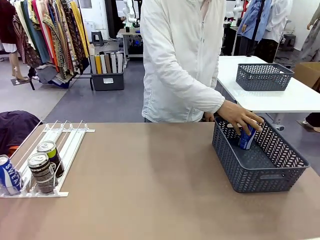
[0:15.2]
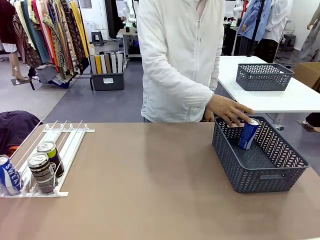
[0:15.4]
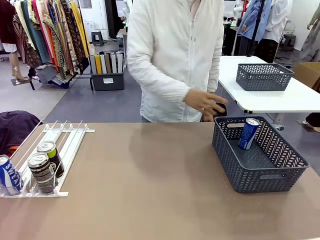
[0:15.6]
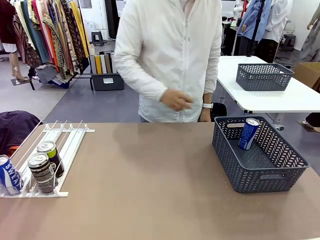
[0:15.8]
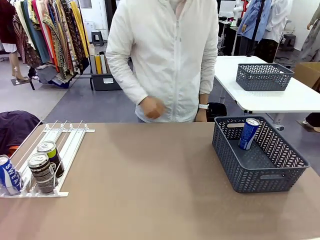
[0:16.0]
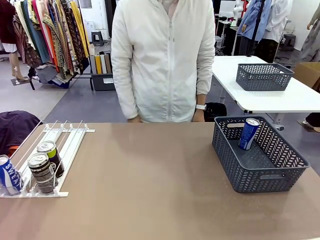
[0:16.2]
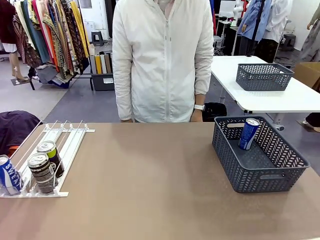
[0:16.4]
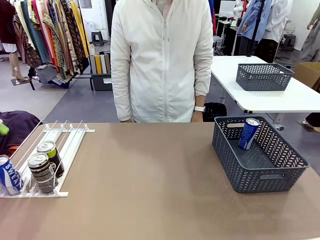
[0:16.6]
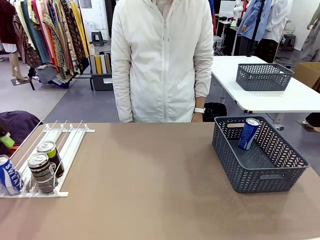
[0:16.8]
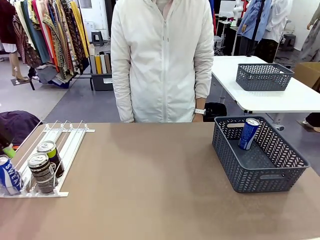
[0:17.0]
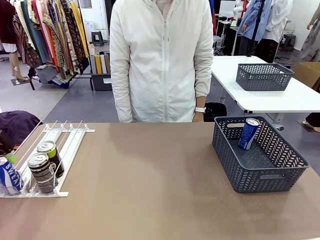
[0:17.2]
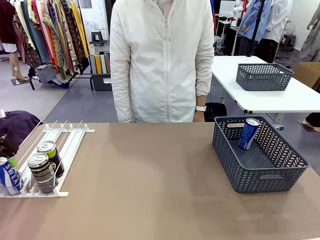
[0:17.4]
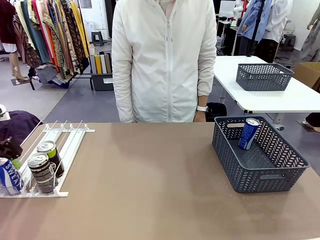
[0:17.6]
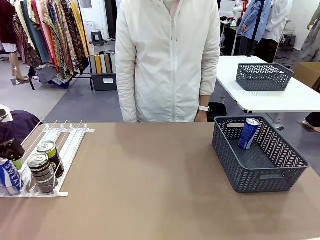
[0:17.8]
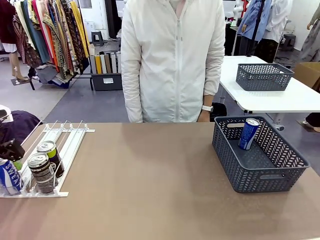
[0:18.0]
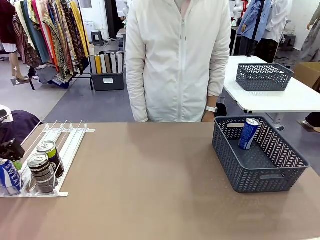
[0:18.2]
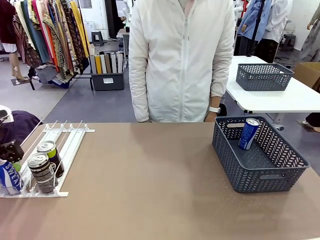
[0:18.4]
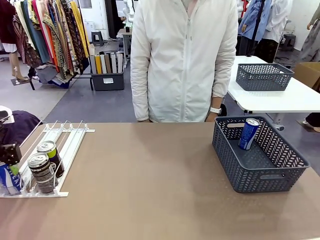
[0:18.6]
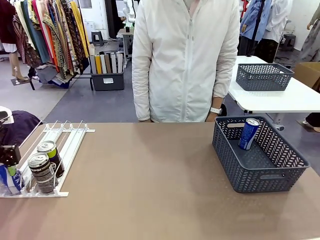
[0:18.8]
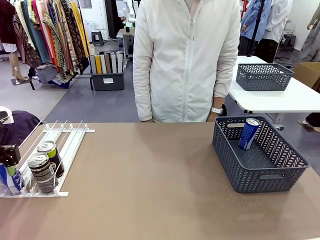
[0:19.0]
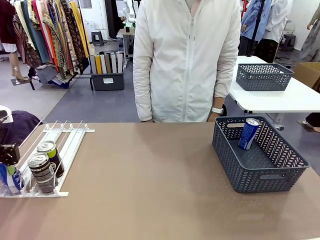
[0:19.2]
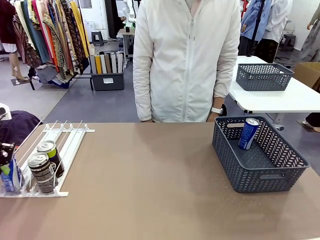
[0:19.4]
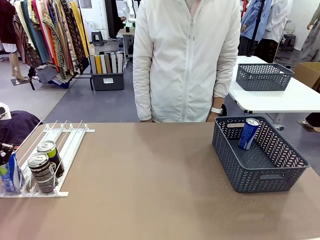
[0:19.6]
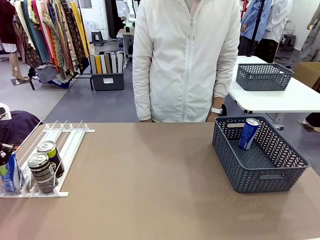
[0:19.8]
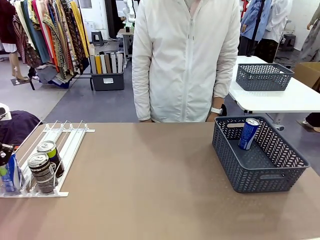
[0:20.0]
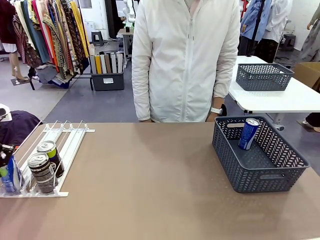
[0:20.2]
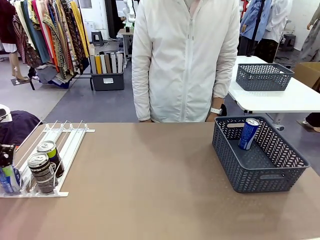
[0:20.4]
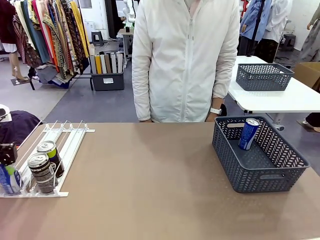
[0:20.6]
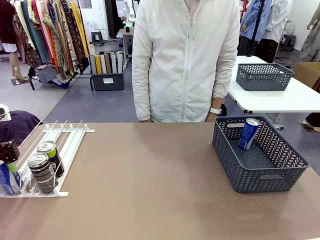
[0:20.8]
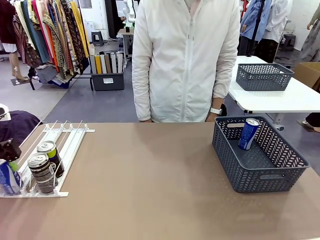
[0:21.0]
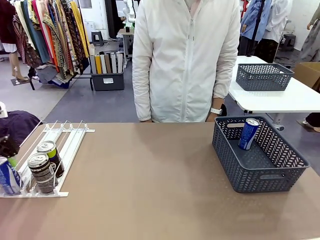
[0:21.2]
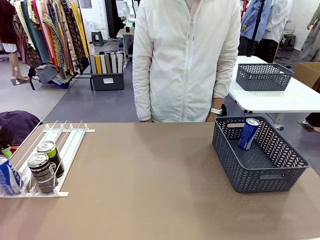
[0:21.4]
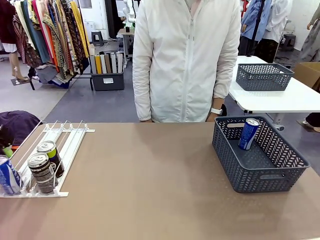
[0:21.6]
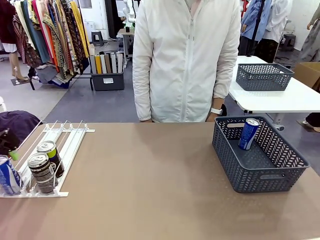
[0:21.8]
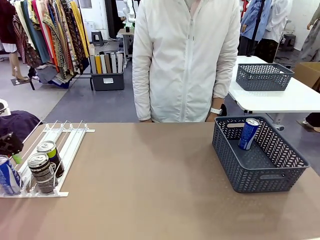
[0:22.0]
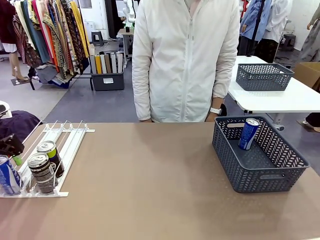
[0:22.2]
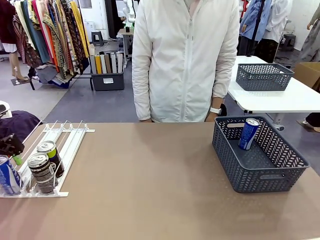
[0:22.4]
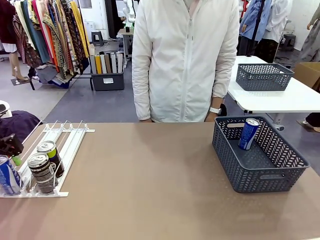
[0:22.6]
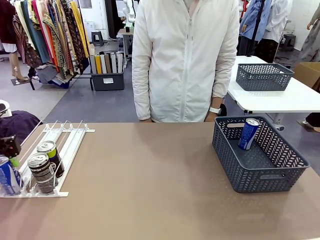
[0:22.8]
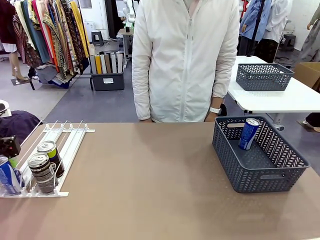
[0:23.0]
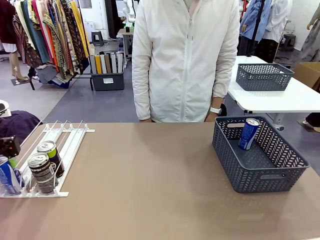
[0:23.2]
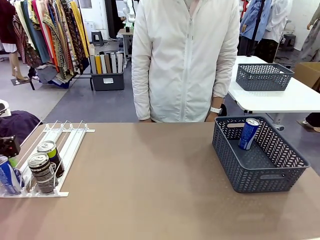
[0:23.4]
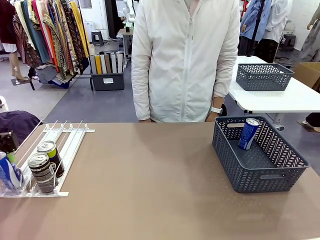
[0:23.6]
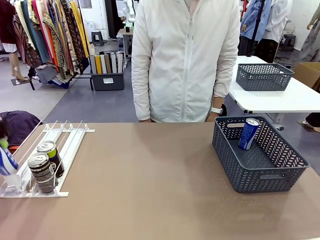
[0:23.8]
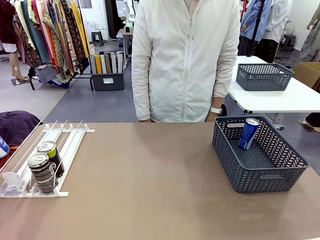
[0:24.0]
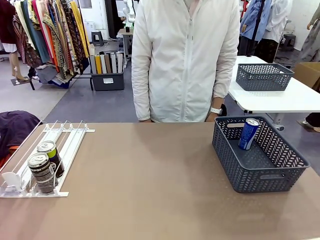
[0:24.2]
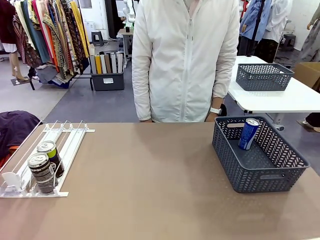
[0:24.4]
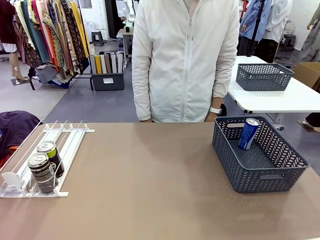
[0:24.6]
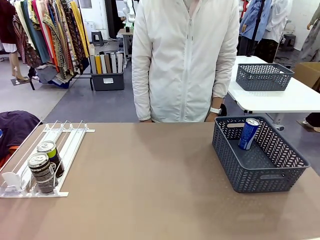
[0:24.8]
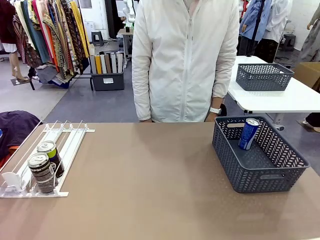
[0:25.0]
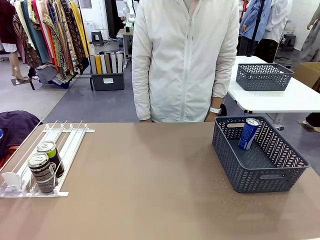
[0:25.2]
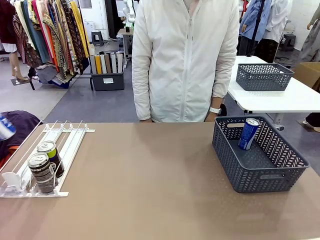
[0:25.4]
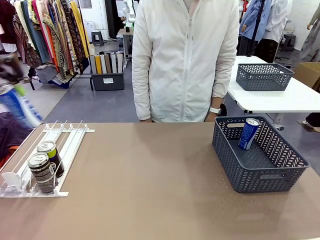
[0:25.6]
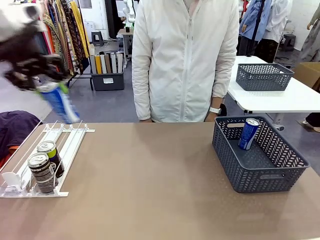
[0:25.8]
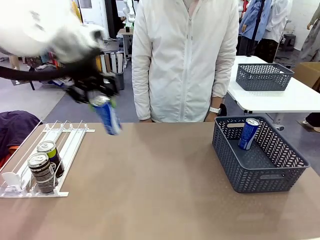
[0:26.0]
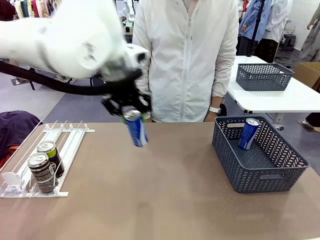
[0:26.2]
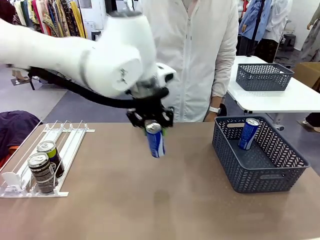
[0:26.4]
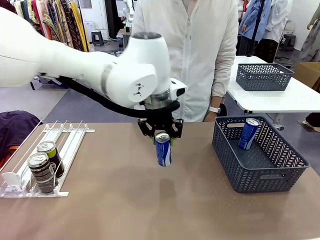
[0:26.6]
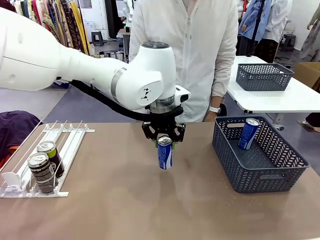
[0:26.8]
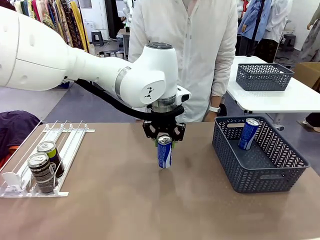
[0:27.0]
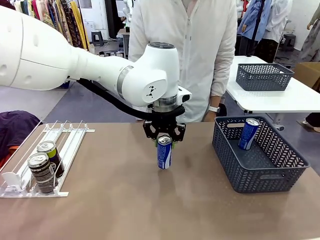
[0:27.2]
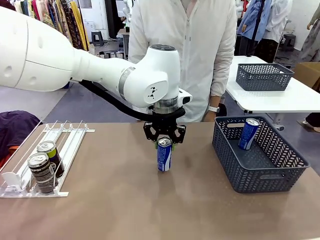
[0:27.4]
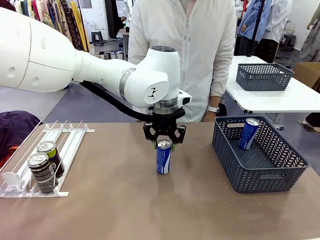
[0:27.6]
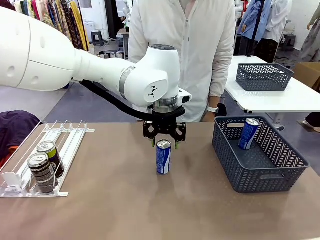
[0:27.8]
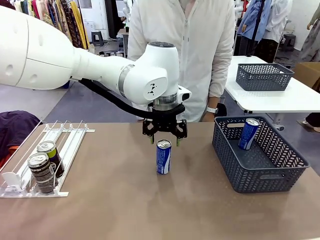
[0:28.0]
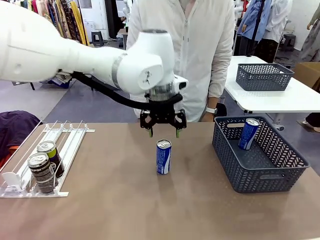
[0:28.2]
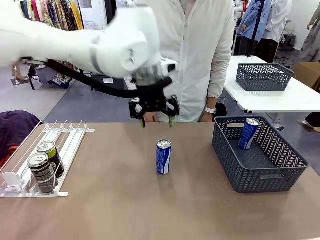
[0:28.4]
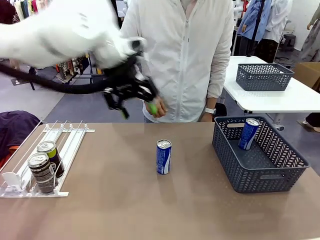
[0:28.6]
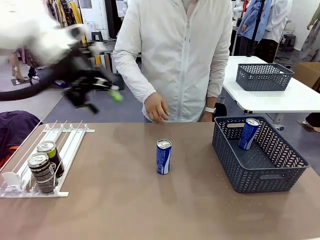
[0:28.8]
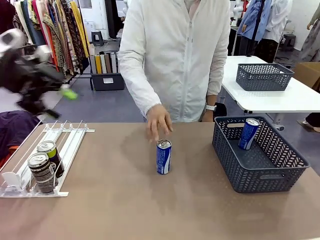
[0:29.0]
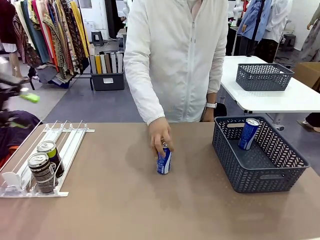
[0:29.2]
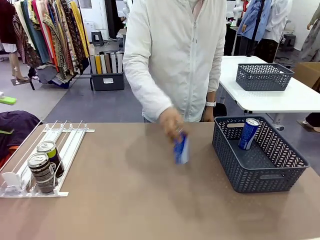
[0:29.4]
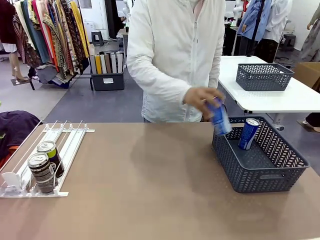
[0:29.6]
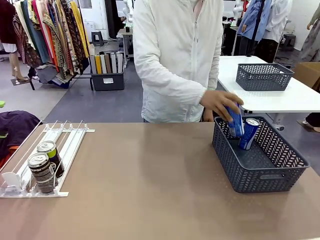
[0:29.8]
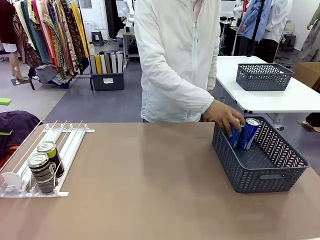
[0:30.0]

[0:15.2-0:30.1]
Task: Retrieve and store the cans from the dispenser.
Robot: Pick up the last remaining can from one row of the Automatic Can Dispenser and place it in the middle of the table.
Person: Pick up one Pepsi can from the middle of the robot table and place it in the basket.
